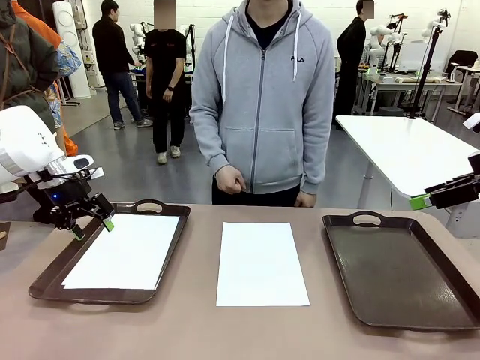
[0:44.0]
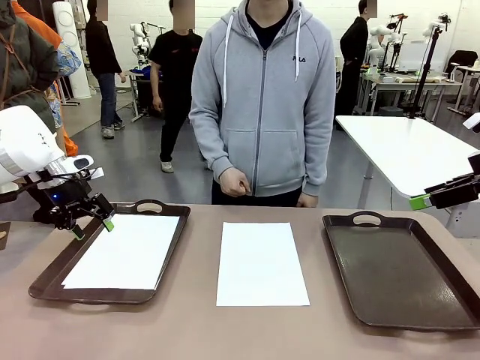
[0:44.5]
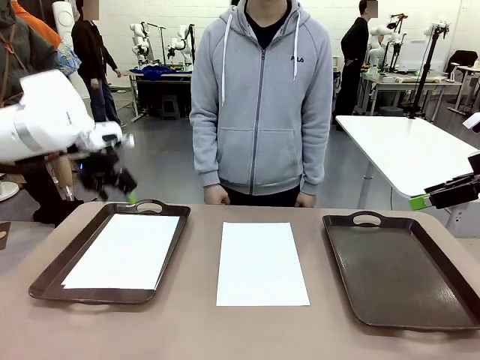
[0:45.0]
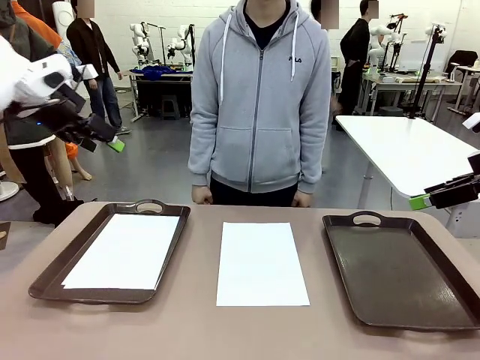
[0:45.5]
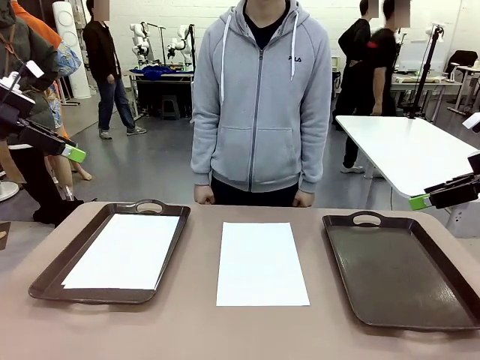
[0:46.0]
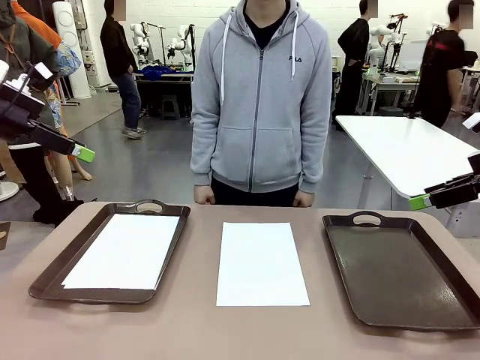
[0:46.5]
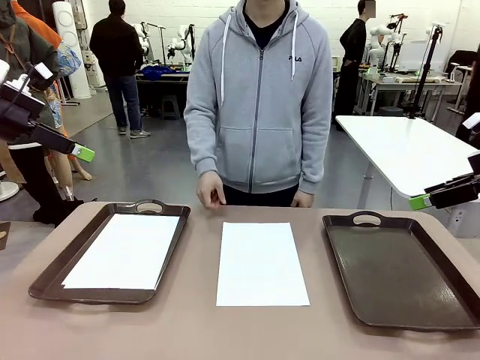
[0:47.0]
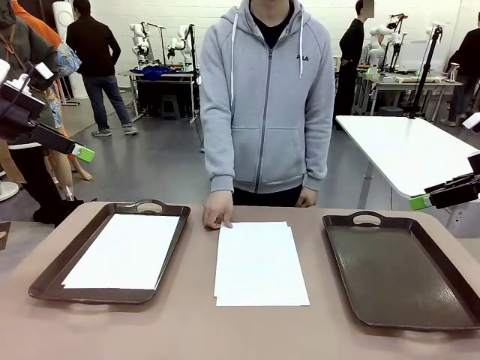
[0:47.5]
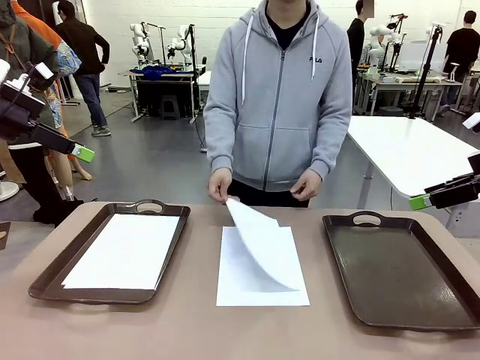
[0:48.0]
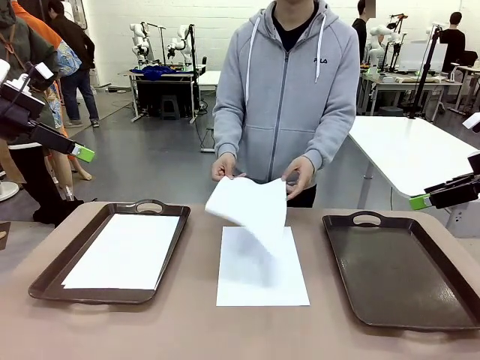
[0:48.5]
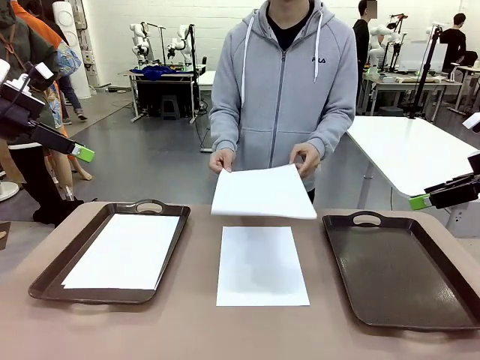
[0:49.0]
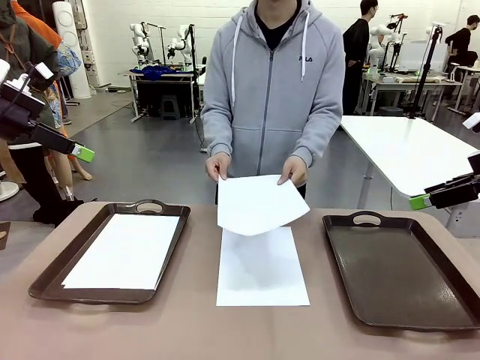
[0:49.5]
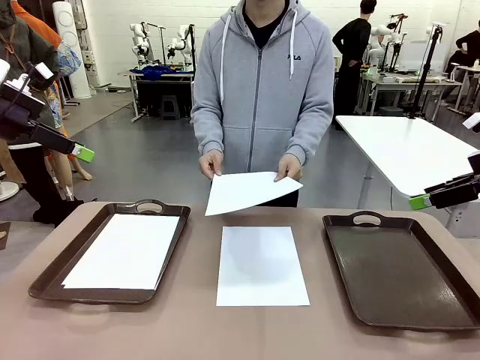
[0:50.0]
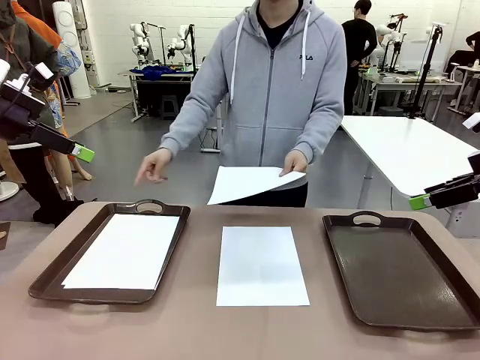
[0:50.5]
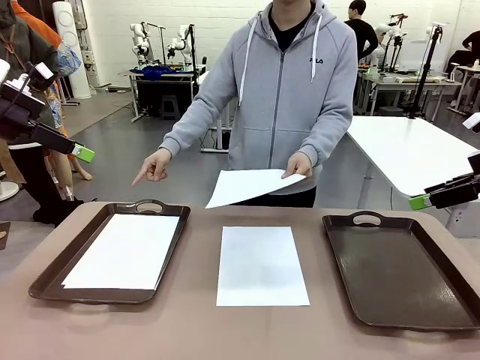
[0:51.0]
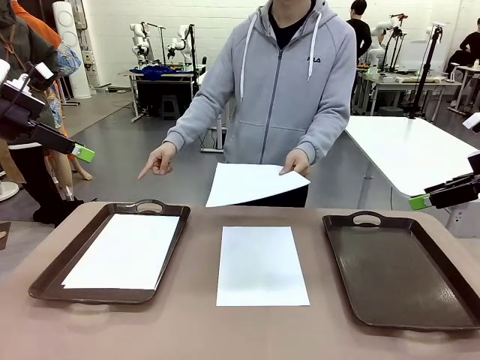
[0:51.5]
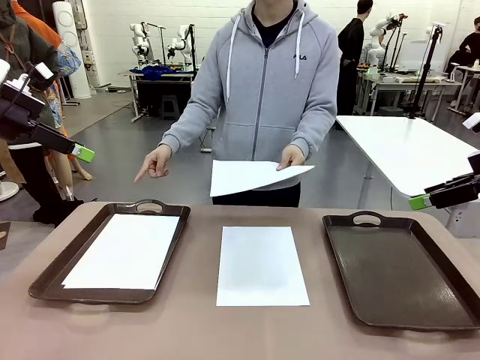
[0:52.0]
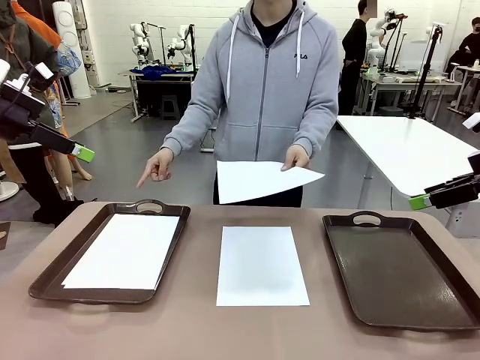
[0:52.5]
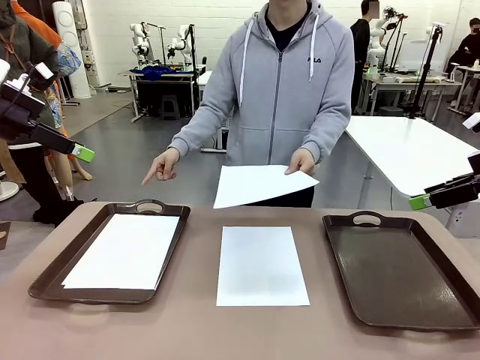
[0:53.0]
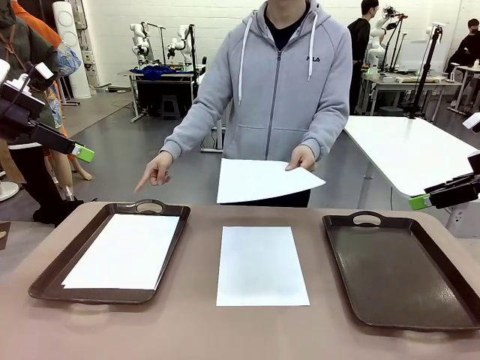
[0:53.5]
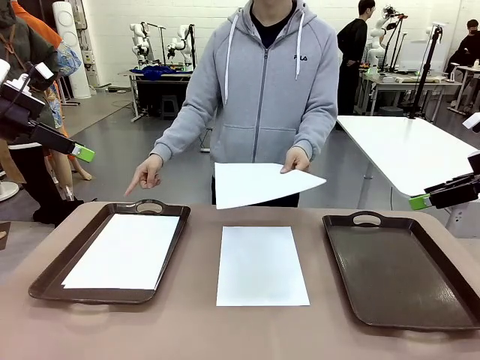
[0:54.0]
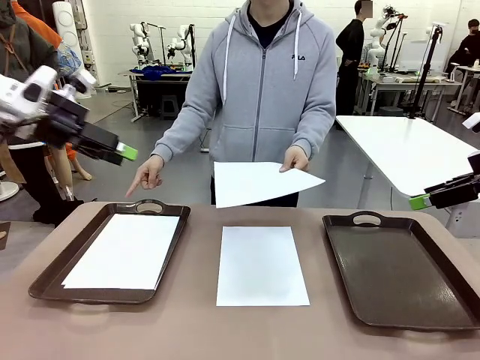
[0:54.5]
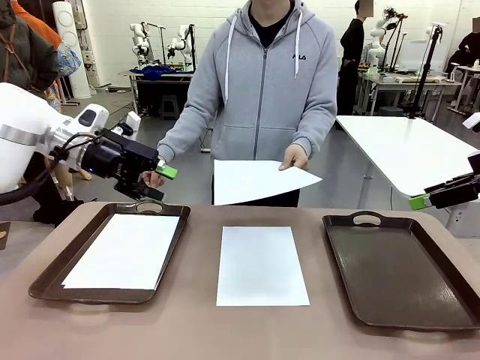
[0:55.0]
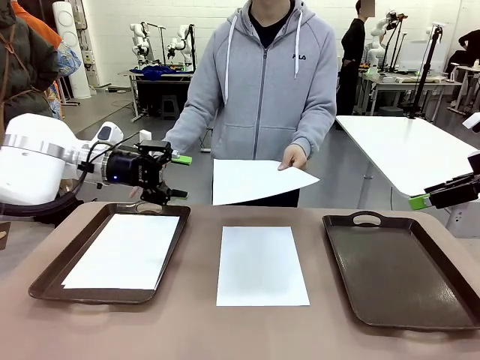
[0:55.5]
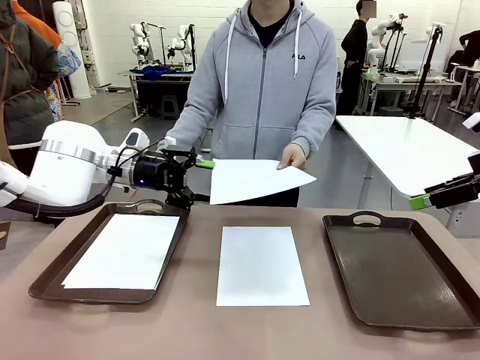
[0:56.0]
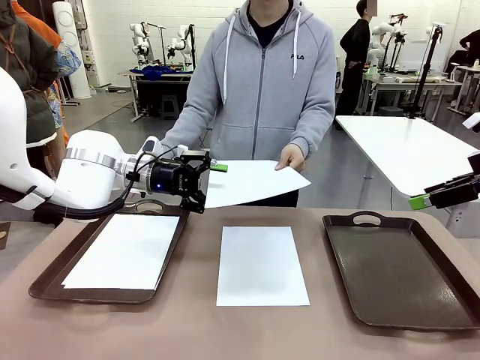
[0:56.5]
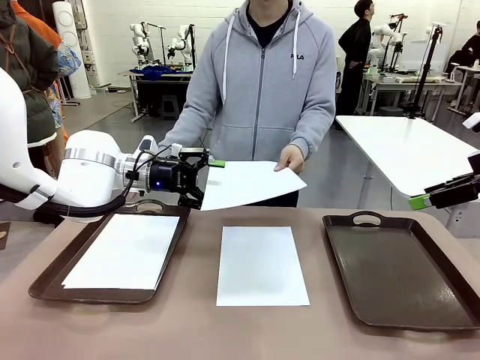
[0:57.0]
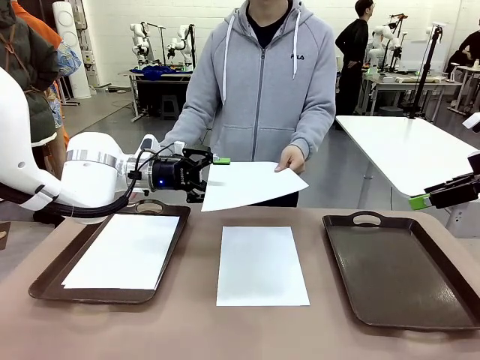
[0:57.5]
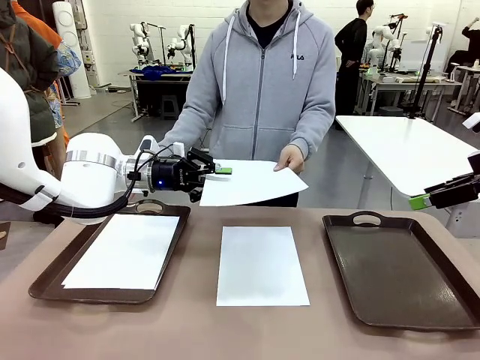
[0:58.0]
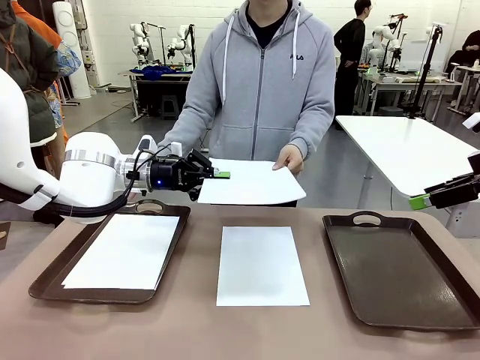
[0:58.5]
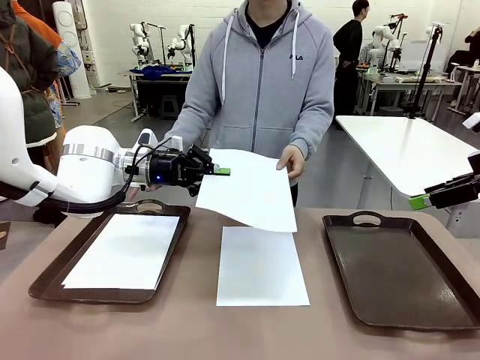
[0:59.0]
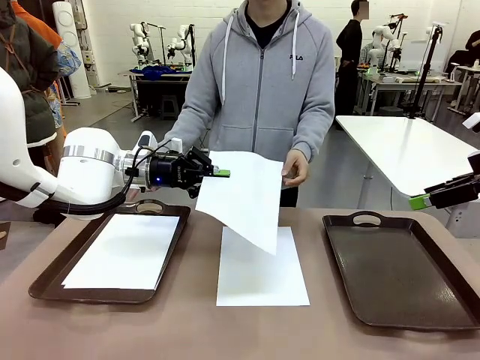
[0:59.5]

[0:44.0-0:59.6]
Task: Sort the A4 documents.
Robot: Receive the A4 Paper.
Person: Point the randomly selected tray with the other hand.

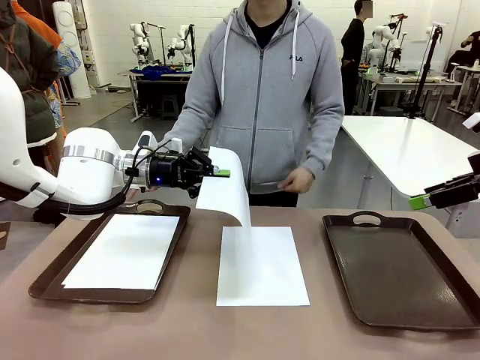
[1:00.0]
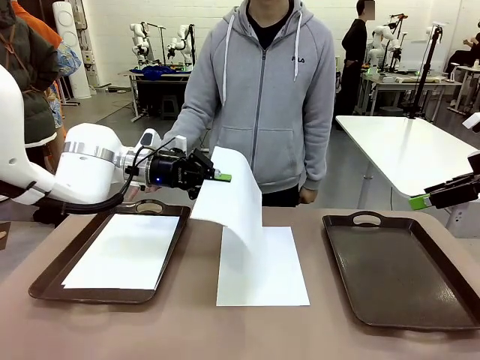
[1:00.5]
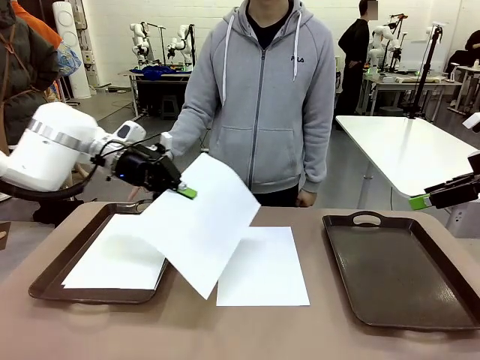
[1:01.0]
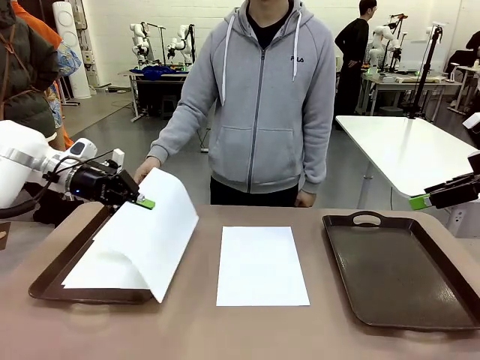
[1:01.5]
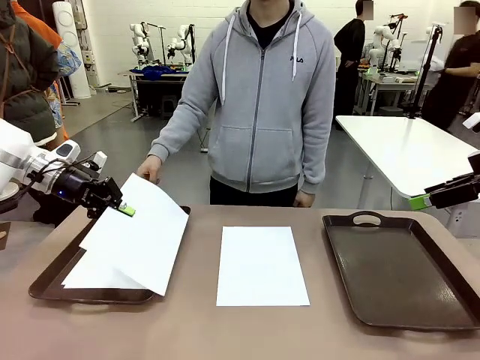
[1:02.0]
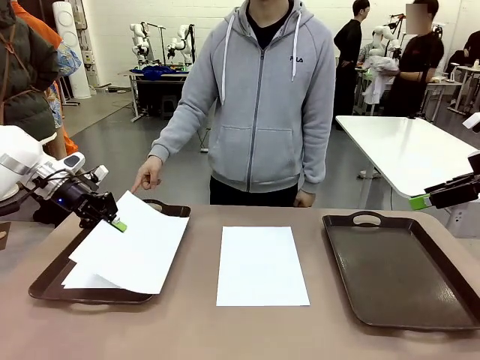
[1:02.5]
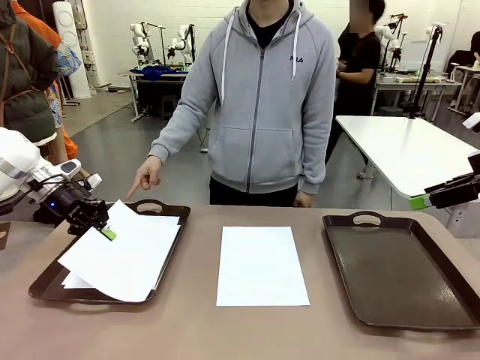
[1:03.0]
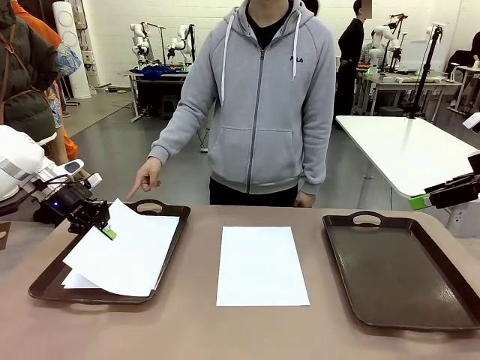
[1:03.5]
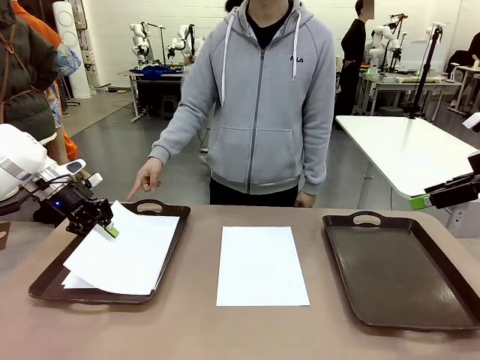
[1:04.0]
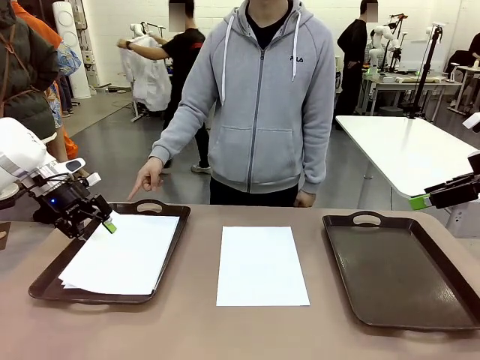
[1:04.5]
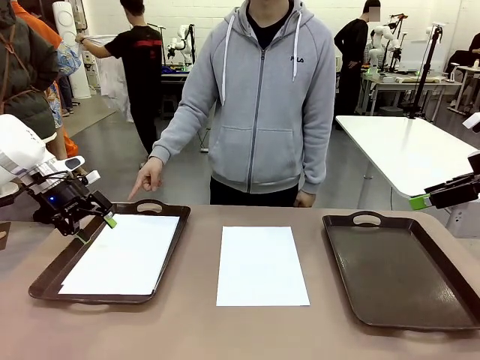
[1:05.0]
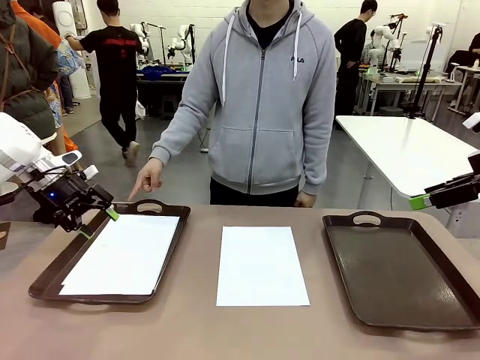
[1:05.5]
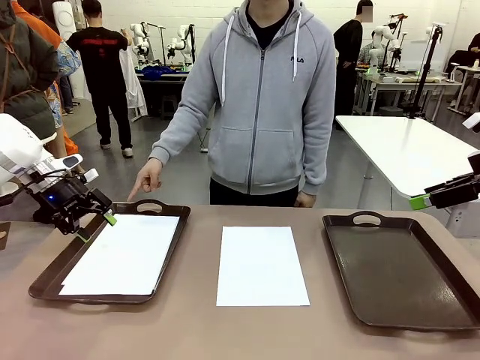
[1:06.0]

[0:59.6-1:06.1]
Robot: Place the A4 Paper in the designated Handle tray.

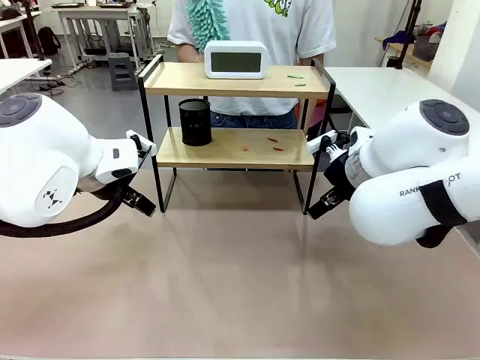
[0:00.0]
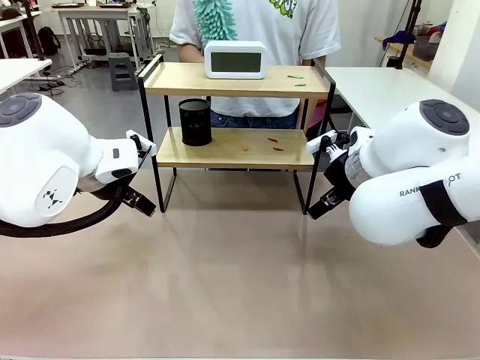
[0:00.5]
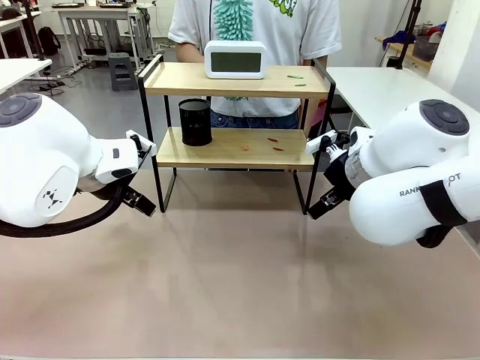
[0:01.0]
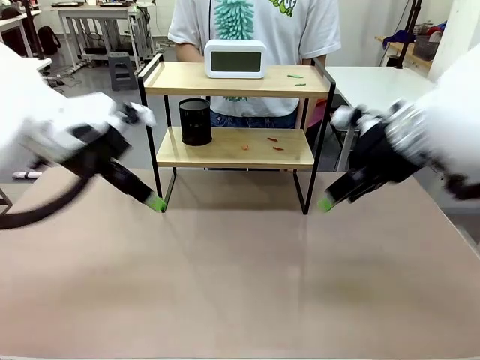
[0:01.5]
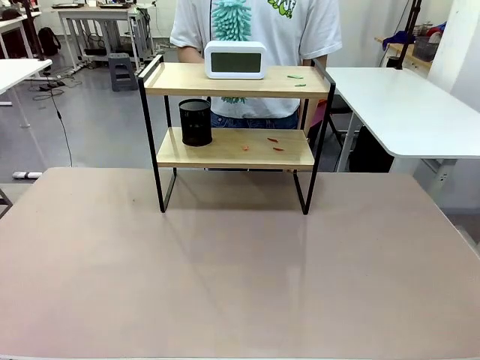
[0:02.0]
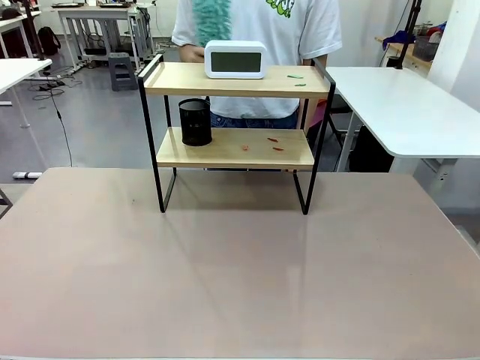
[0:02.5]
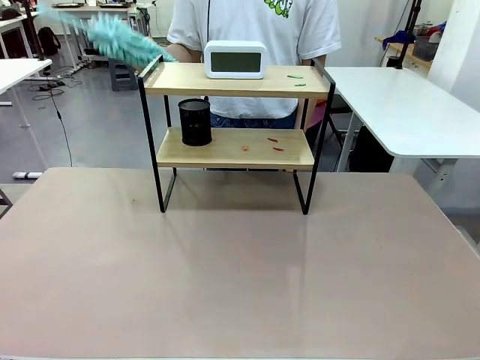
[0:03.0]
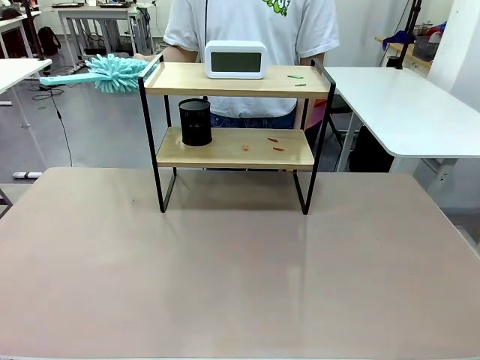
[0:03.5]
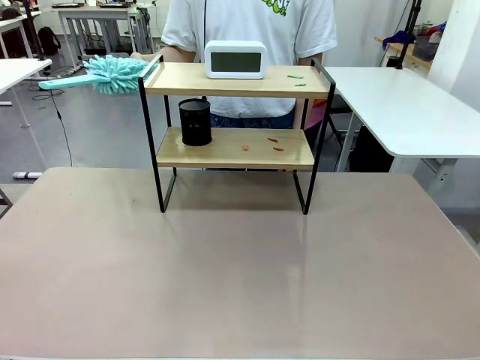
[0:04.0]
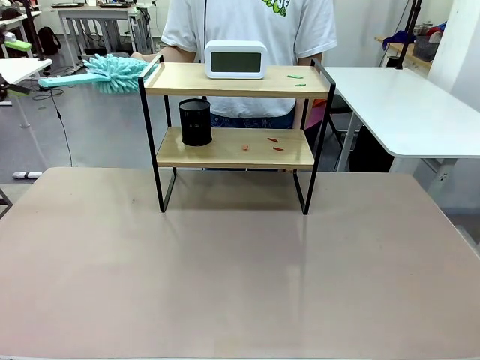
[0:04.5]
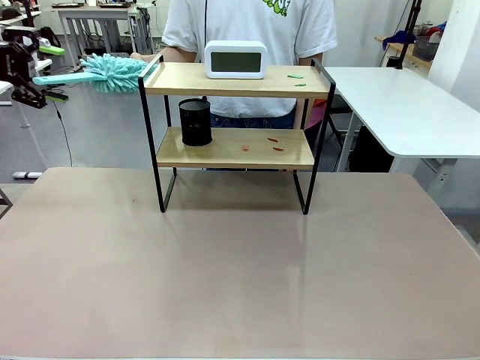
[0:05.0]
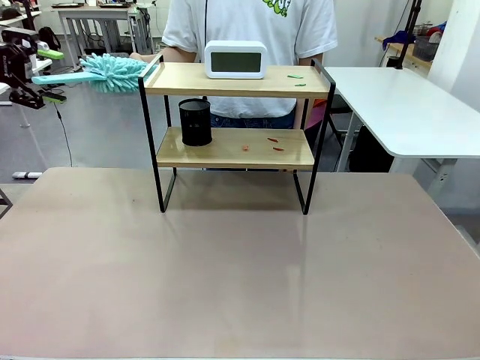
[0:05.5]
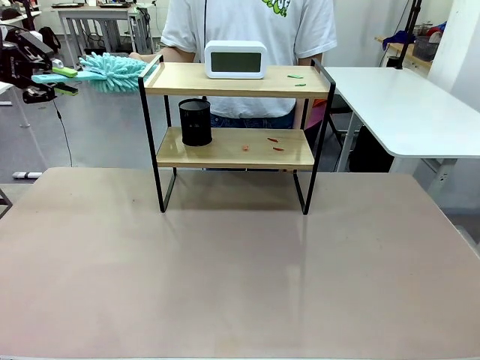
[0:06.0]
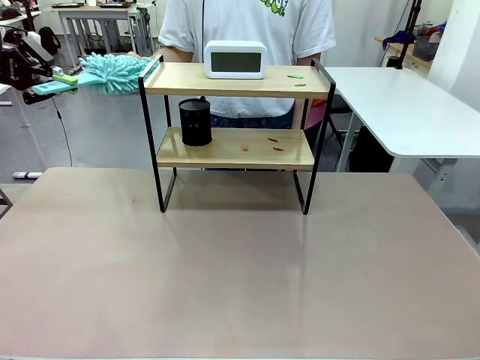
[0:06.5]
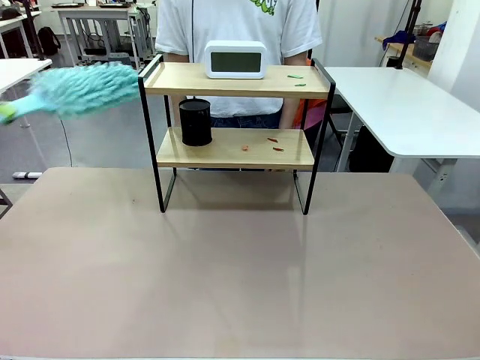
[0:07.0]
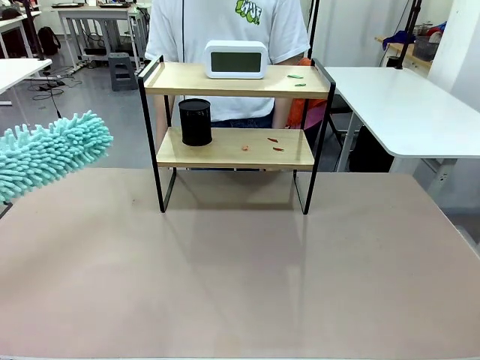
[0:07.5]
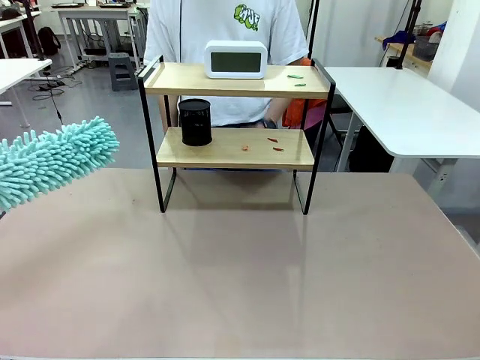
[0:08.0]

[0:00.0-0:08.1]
Task: Clean the shelf.
Robot: Pick up the Duster from the human.
Person: Hand the Duster to the robot.
